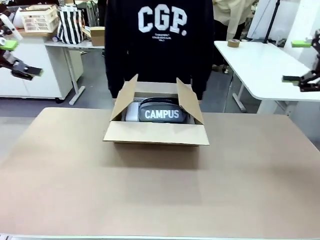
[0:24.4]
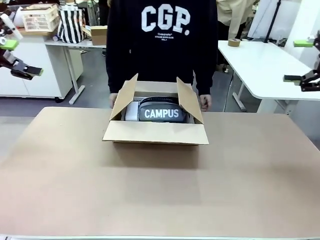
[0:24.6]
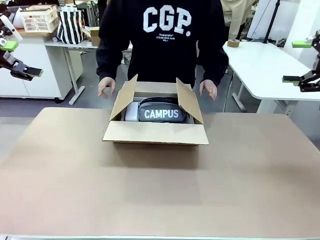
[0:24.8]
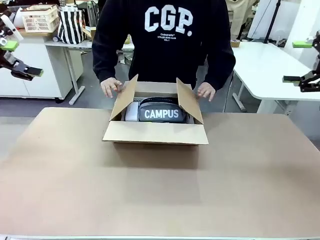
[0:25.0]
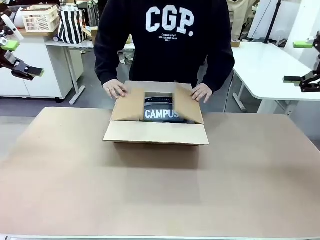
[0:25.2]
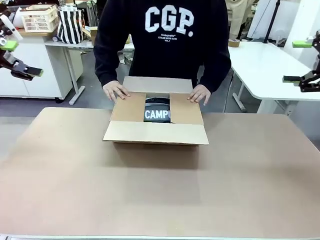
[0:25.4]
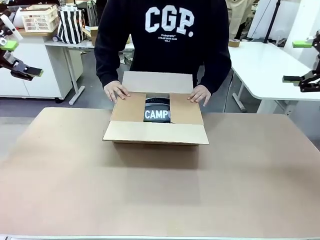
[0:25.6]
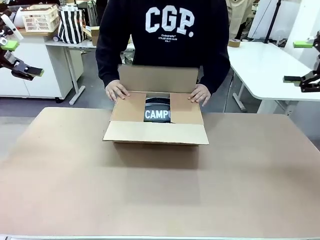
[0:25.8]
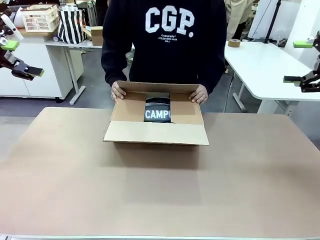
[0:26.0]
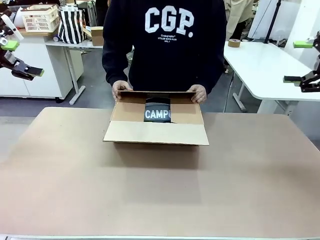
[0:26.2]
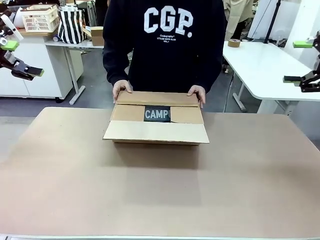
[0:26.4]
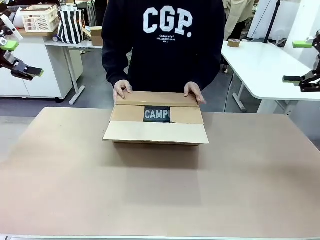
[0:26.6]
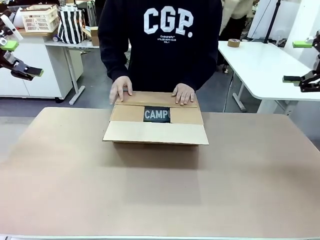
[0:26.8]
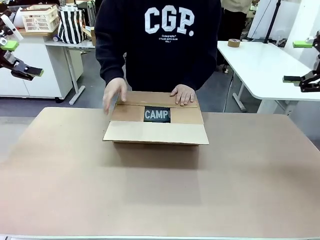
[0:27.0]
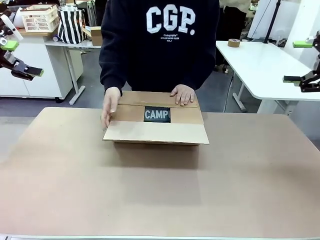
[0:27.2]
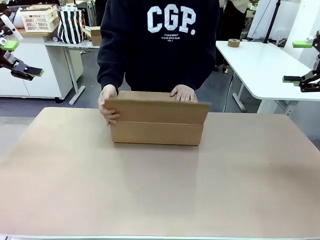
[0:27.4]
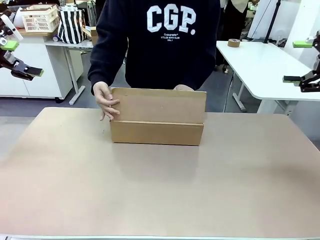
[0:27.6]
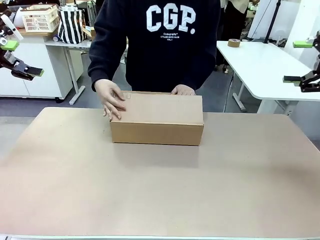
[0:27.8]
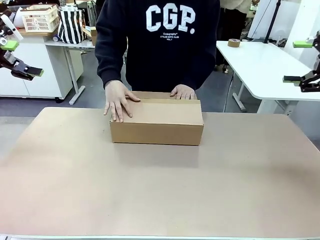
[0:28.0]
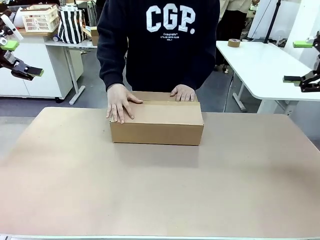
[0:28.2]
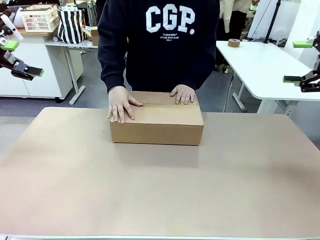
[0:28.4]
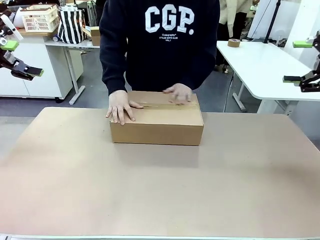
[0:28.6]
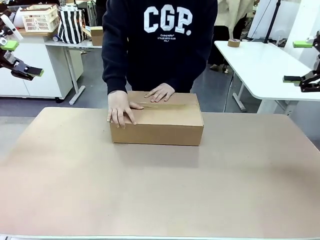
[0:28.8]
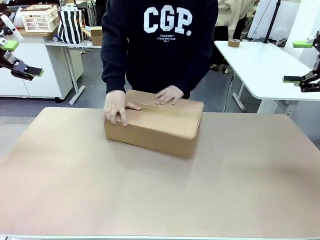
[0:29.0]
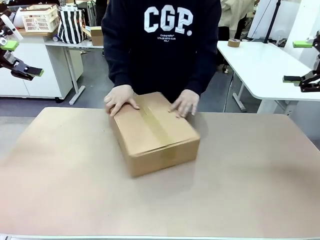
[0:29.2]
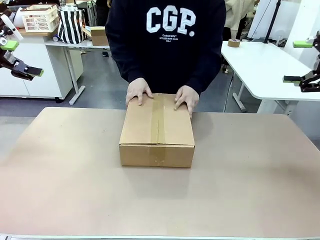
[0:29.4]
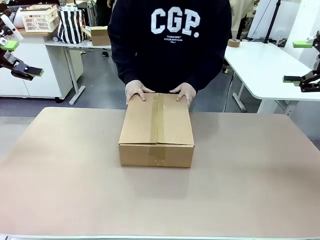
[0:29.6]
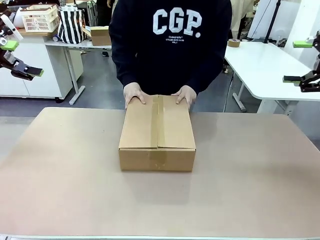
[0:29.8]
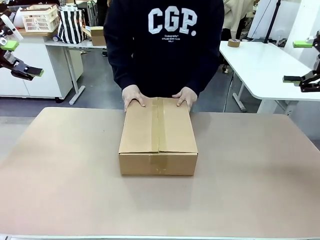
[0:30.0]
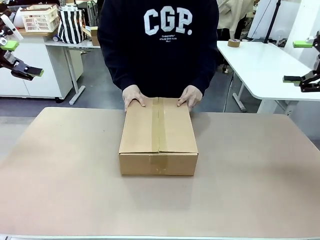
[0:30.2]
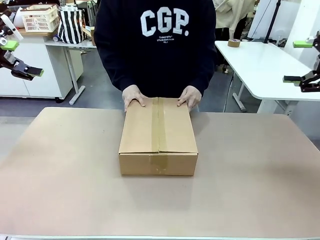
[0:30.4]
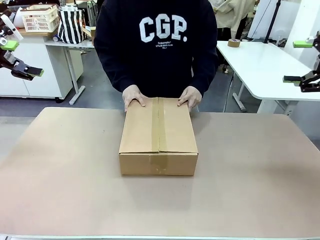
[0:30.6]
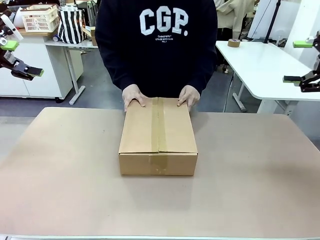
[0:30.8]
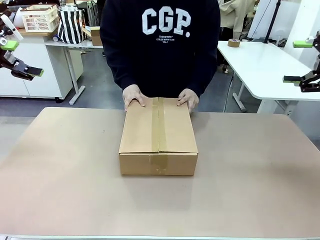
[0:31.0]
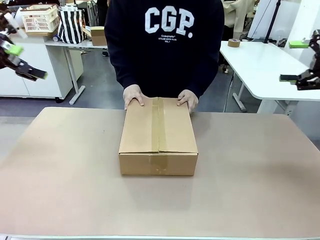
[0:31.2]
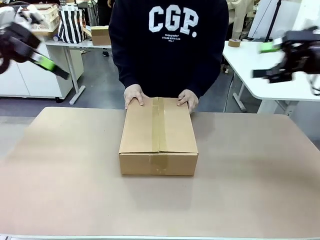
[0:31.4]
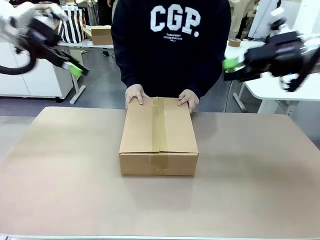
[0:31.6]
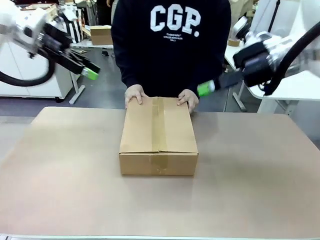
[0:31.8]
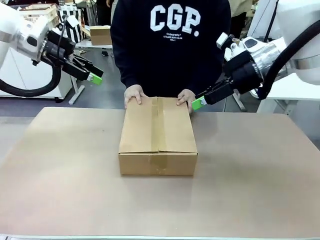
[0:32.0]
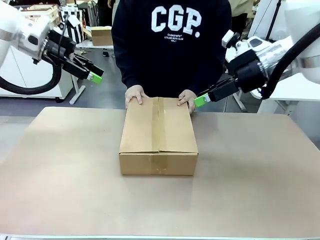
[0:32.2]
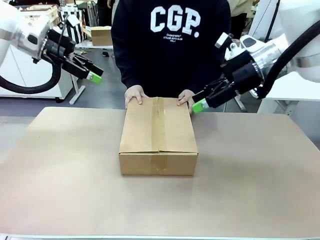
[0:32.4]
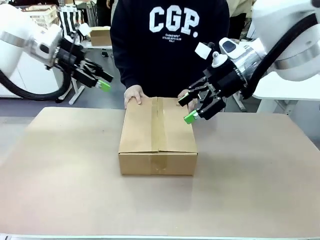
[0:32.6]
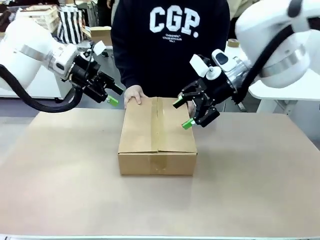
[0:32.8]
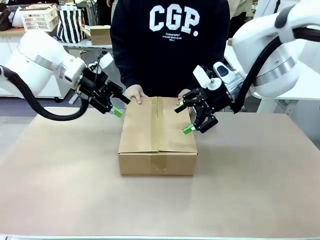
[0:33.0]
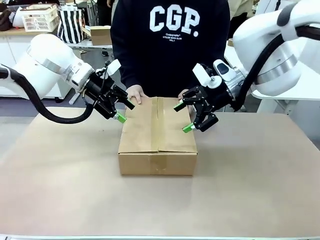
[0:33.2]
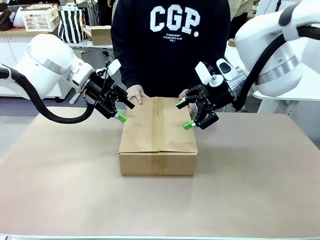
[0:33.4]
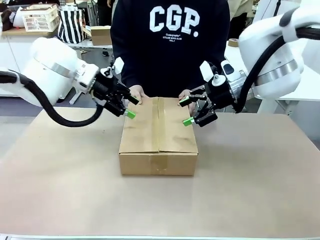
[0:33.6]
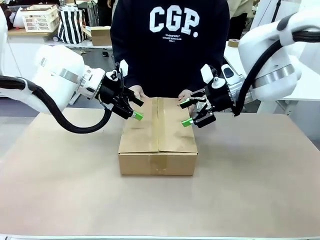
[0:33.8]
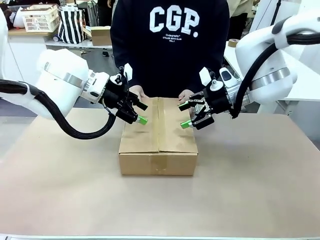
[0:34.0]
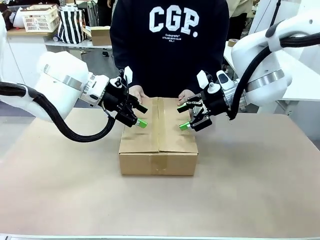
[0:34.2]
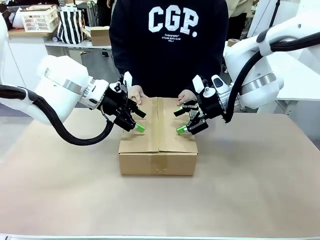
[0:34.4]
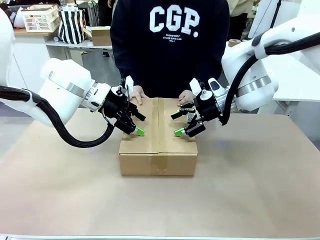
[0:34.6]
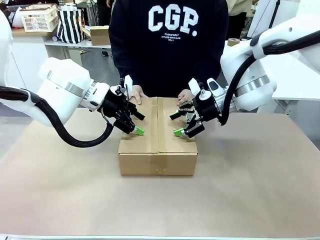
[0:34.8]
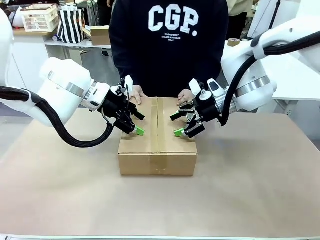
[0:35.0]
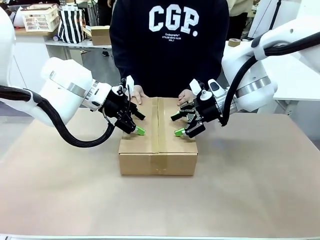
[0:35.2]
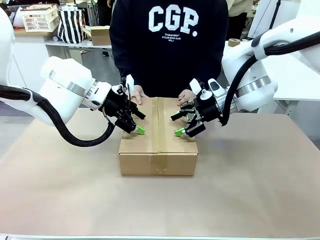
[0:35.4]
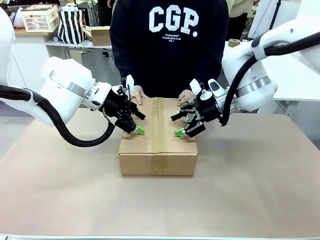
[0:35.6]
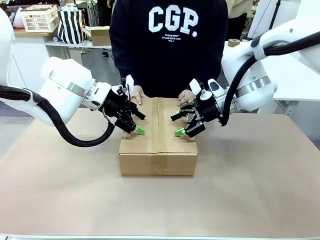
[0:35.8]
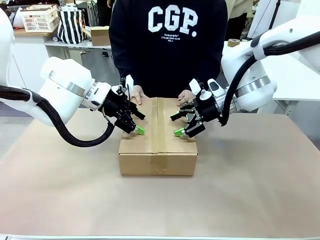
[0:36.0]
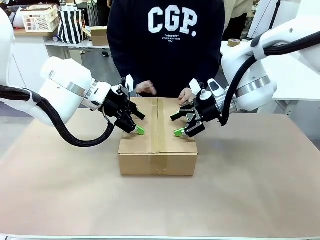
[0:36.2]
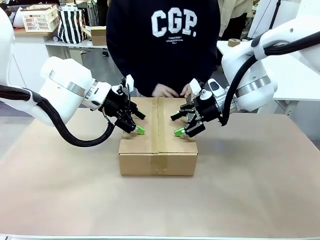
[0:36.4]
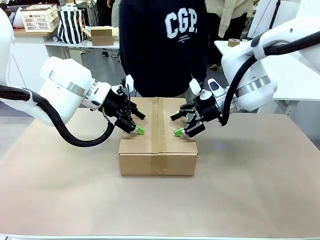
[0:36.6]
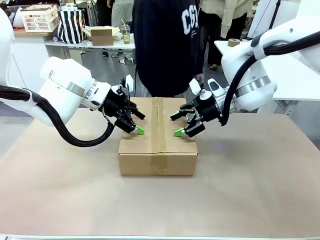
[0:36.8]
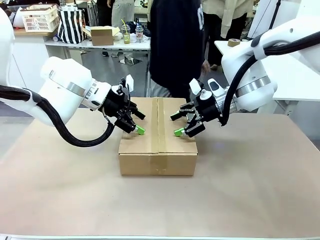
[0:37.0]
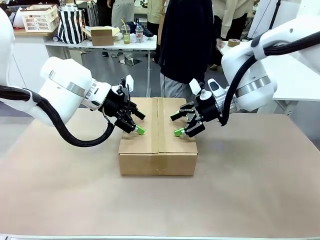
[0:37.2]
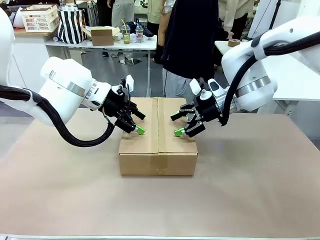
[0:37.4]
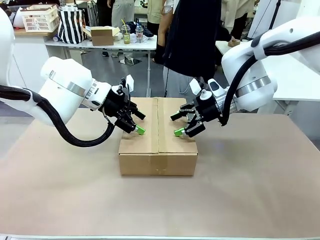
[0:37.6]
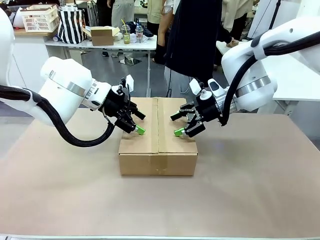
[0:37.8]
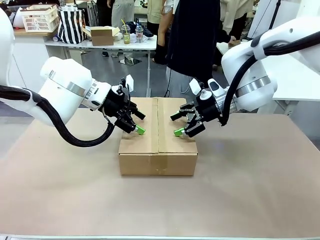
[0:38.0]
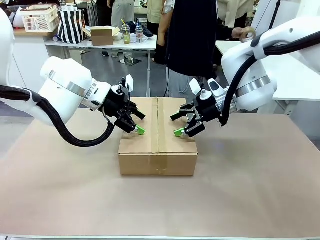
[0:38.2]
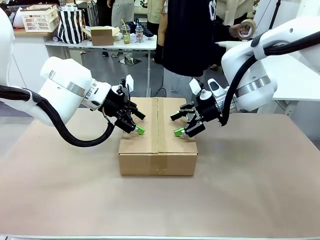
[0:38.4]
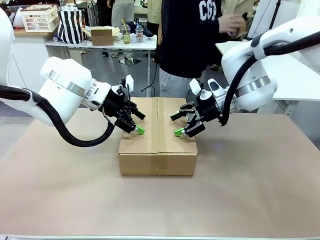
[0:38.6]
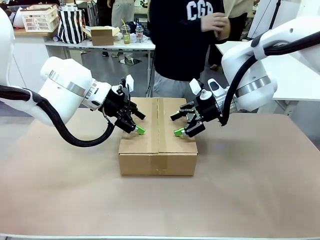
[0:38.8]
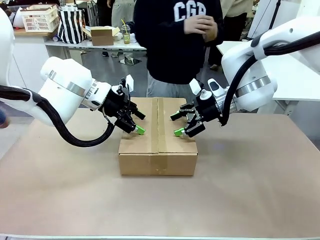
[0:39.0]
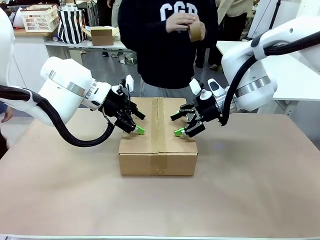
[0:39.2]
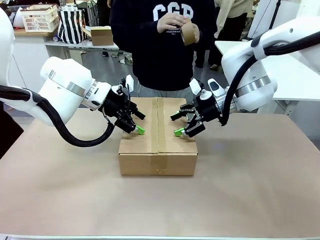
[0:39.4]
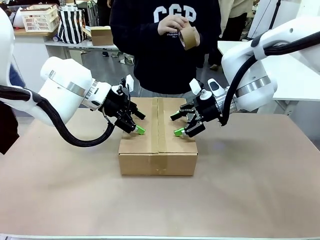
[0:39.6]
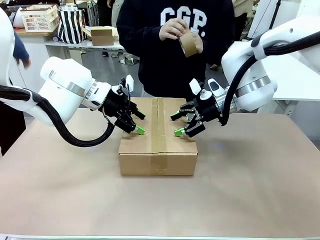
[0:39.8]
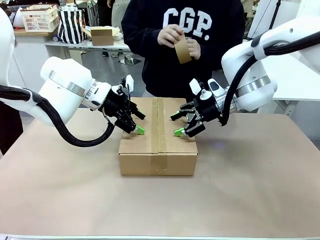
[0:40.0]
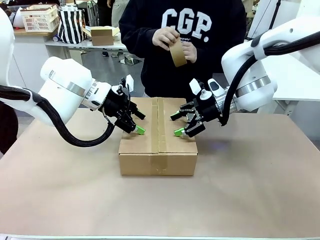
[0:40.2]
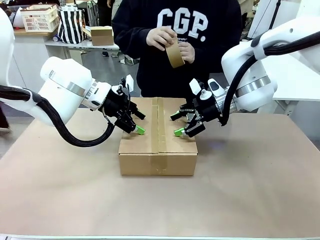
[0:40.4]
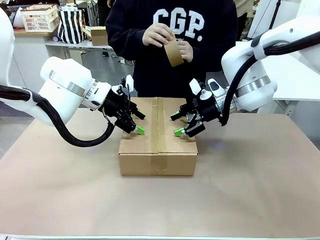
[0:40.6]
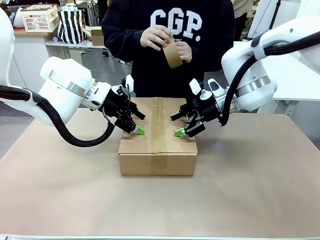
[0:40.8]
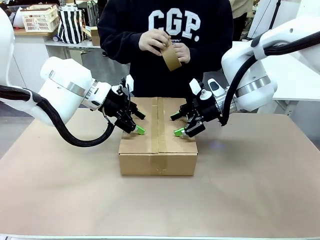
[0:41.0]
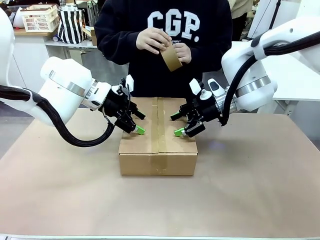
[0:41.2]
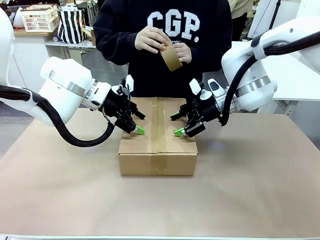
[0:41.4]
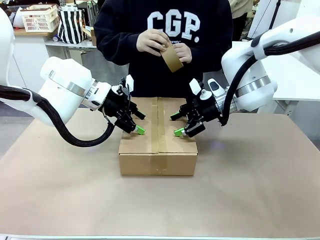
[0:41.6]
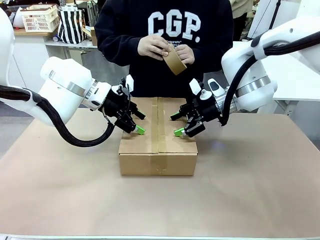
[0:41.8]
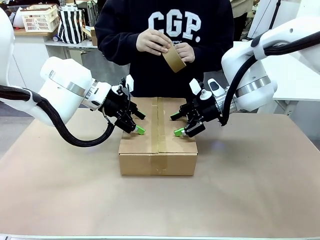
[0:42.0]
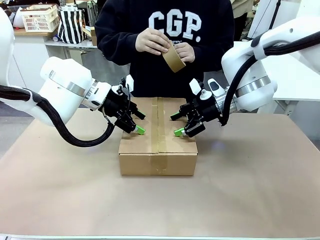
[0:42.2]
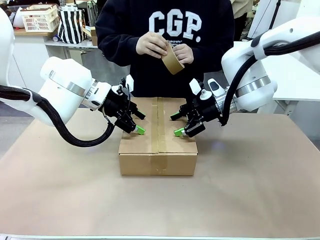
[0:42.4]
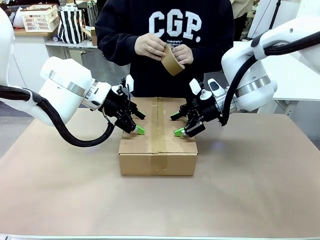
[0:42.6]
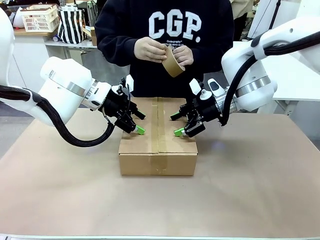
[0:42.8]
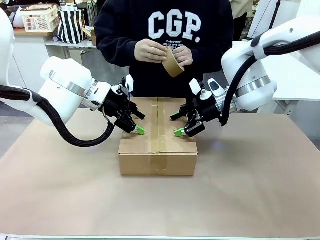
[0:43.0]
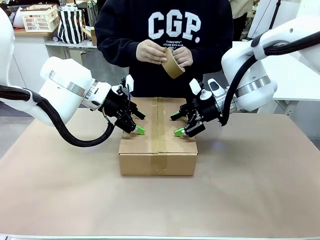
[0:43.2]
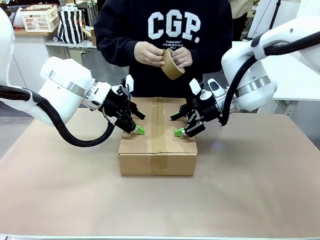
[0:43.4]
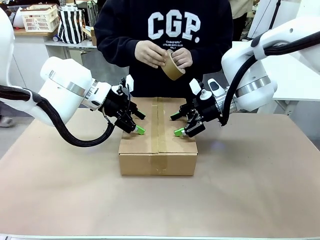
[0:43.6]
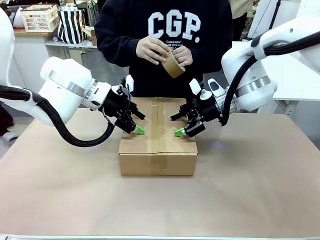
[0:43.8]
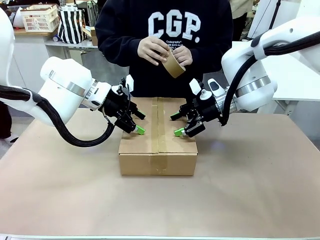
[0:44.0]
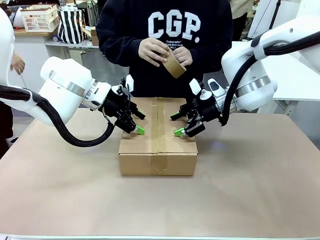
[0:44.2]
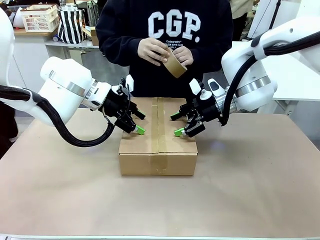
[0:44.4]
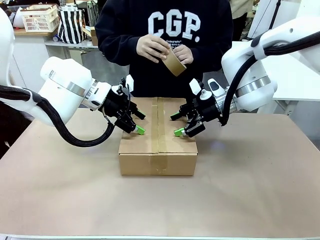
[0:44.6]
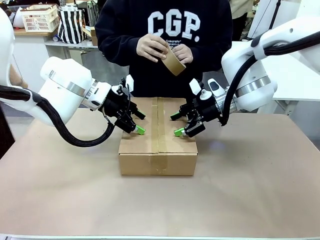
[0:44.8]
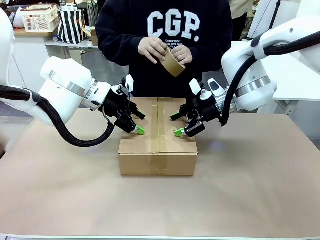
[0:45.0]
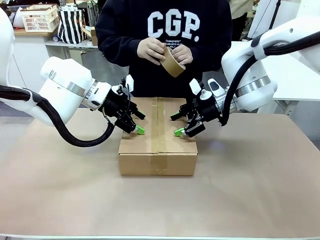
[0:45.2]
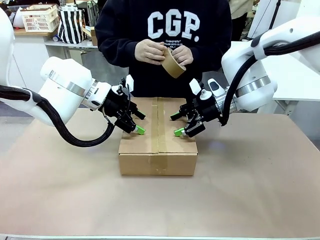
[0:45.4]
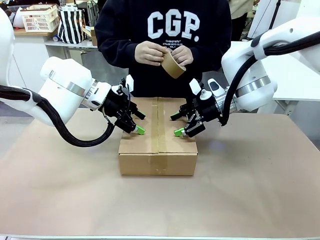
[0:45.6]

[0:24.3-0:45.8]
Task: Pack the gift set into the box.
Robot: Press and hold the closed box until the human finishes sealing it.
Person: The human closes the box and rotates the box by 90 degrees.
